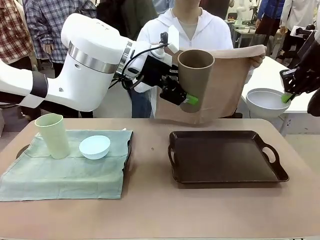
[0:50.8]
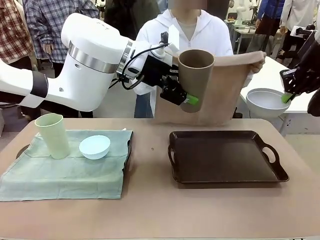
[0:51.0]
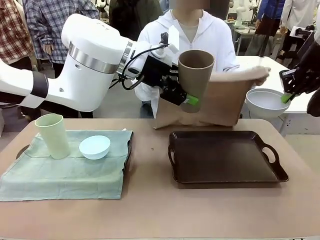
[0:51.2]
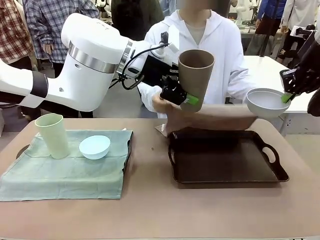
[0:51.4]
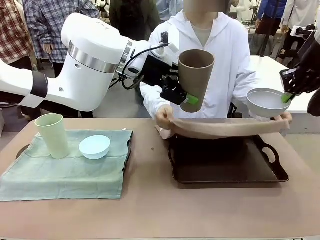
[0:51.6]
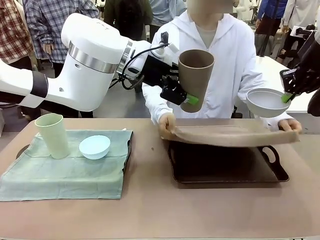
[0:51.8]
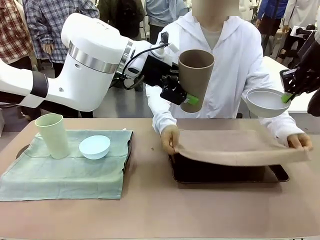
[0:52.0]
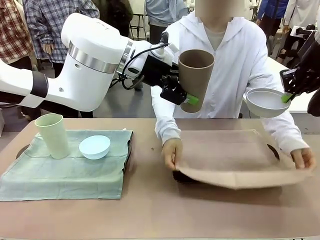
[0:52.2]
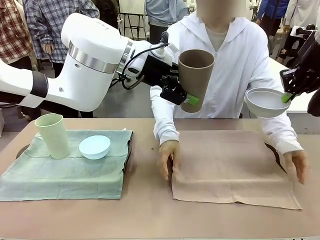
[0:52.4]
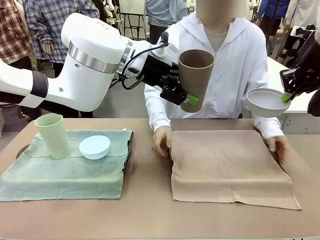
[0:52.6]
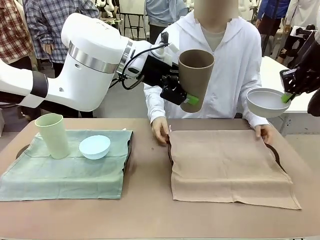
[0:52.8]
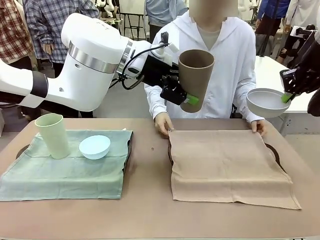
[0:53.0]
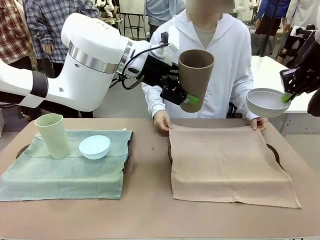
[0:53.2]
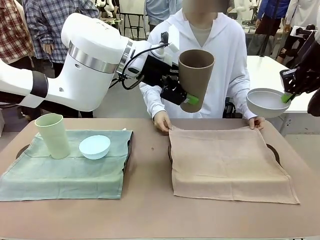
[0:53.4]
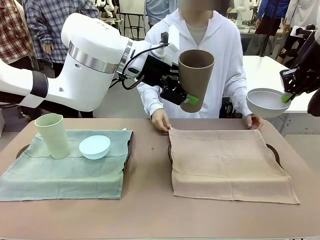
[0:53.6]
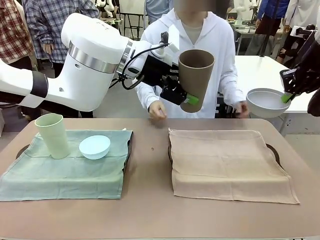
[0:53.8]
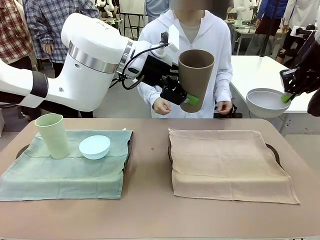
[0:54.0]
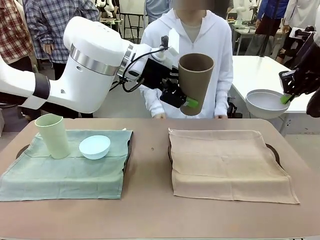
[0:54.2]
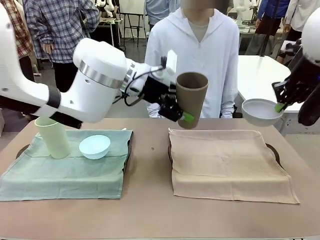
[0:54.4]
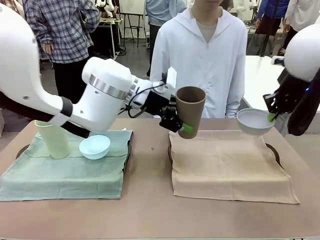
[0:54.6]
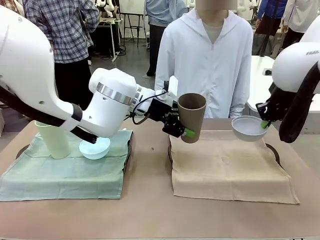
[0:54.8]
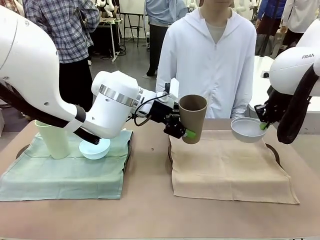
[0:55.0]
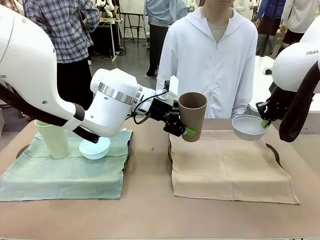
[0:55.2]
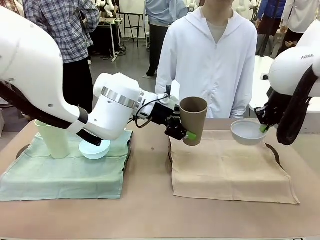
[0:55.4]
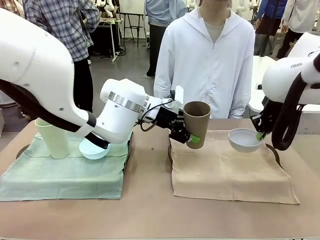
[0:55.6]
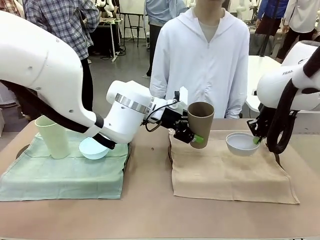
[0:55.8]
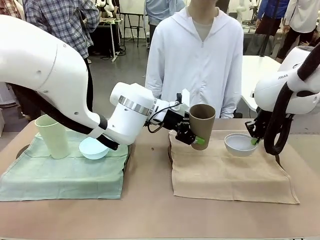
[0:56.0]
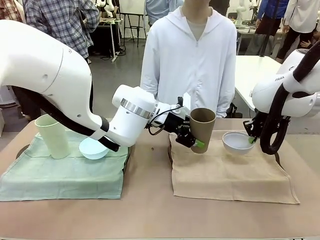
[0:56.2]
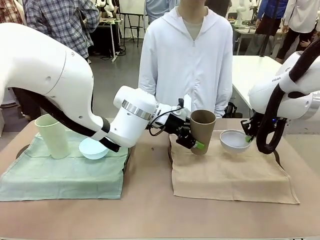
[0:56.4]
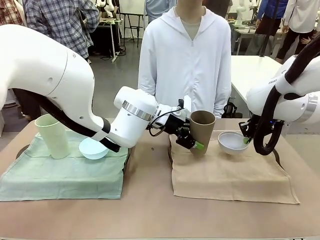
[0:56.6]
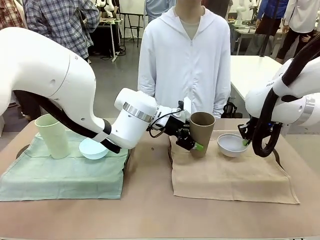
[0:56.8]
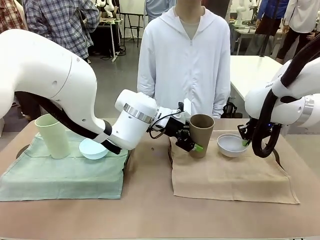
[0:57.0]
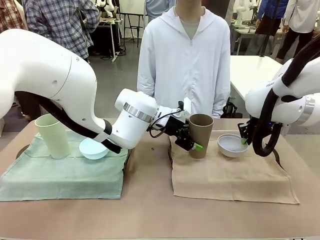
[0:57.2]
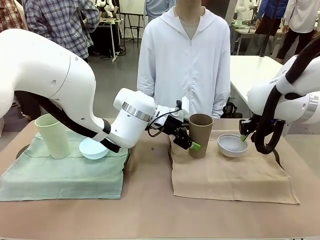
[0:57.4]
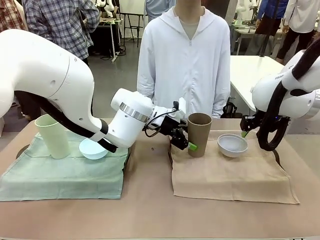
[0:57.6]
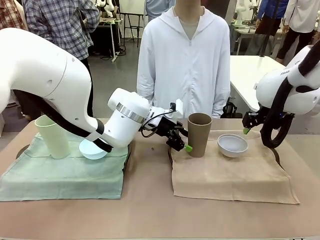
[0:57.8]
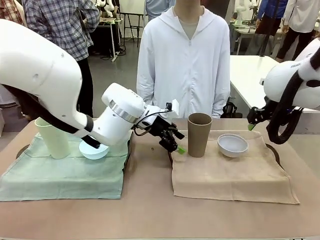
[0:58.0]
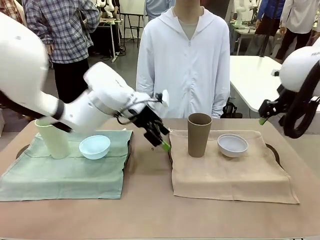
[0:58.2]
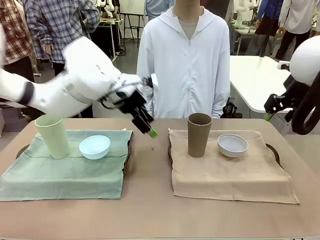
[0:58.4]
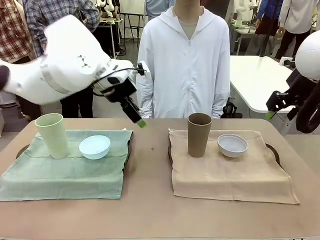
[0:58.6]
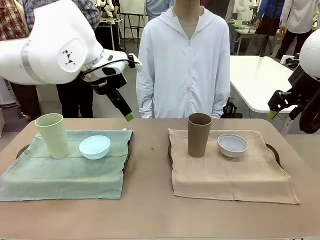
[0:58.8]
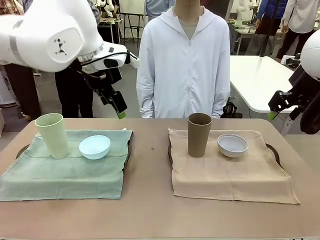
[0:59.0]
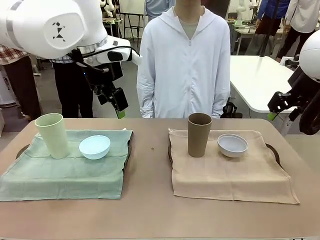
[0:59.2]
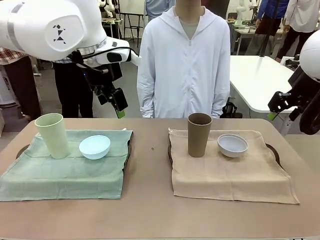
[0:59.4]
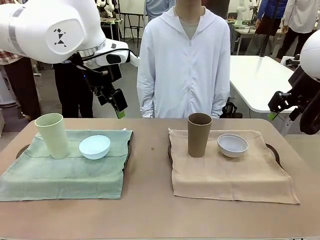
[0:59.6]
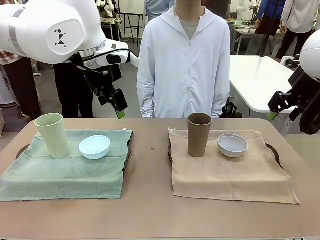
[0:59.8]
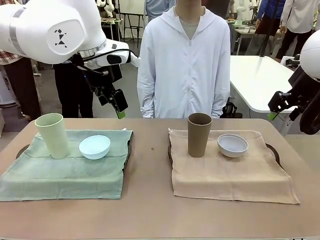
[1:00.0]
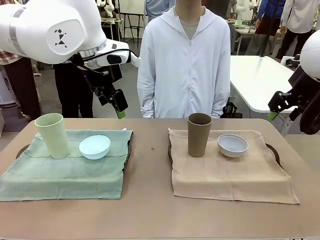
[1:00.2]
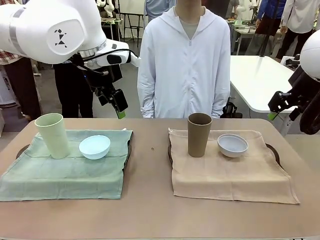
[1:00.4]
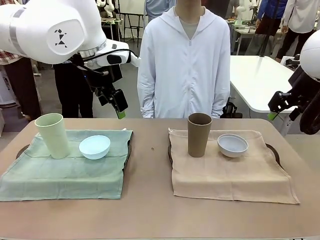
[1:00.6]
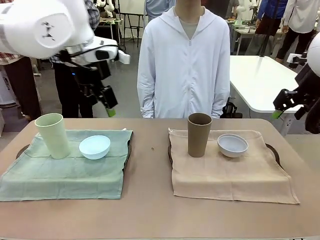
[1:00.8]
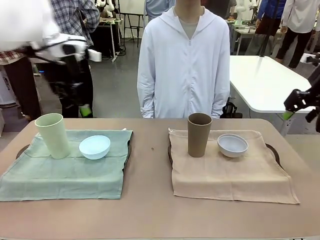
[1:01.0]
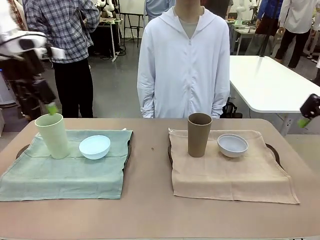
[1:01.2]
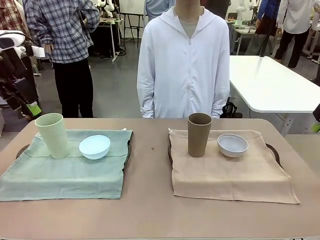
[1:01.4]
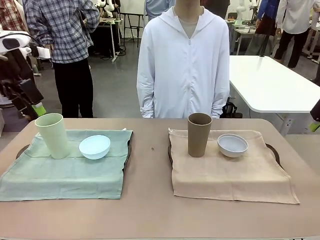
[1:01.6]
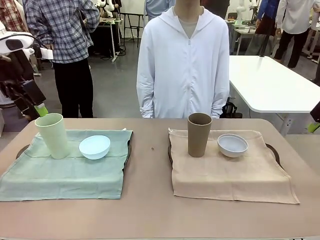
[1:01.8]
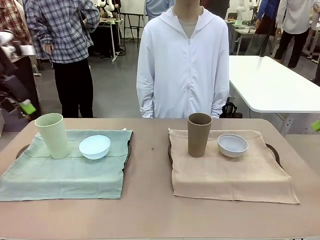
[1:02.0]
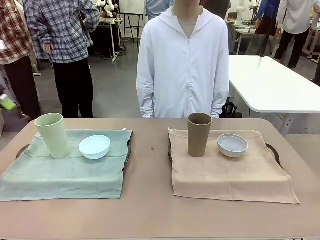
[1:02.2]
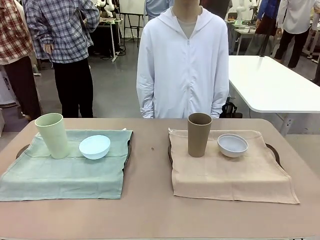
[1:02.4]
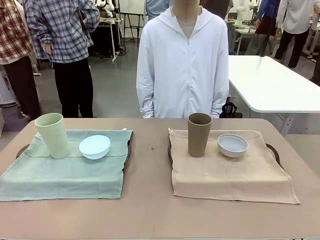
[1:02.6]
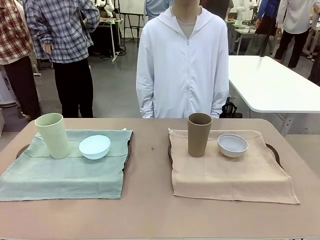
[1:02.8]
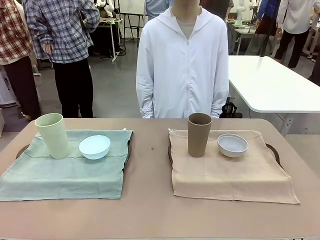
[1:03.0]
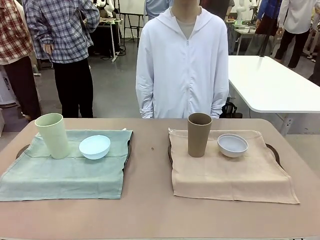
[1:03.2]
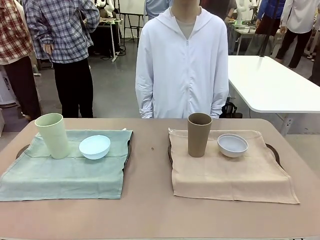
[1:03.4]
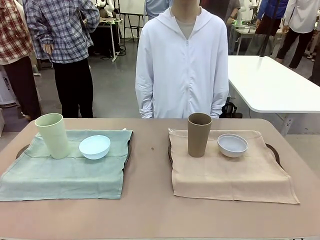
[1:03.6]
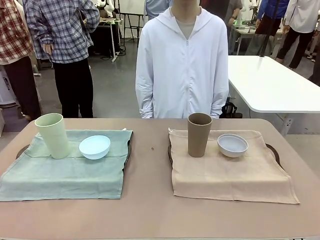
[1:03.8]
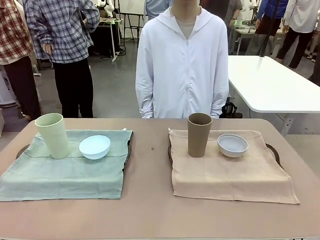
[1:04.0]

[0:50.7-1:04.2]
Robot: Place the Picnic Bowl and Reusable plastic cup back onto the Handle tray in front of the human's position.
